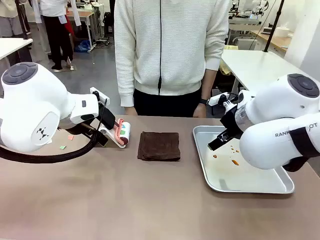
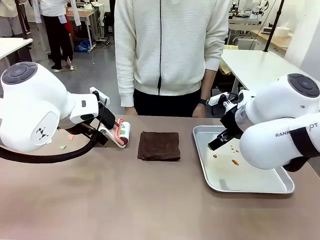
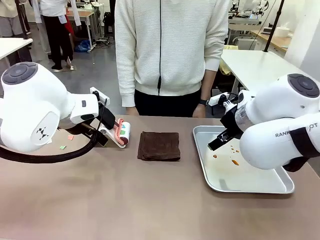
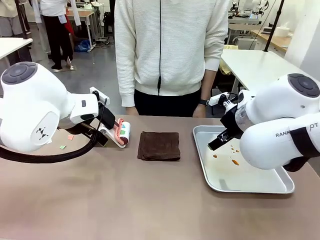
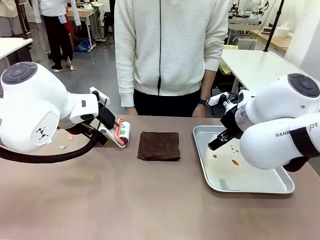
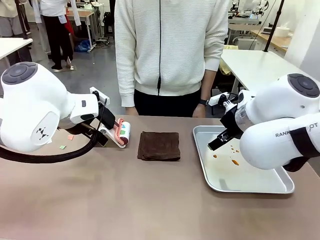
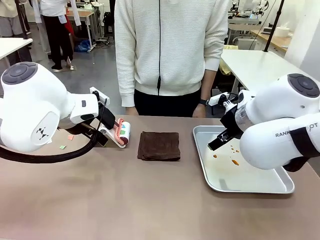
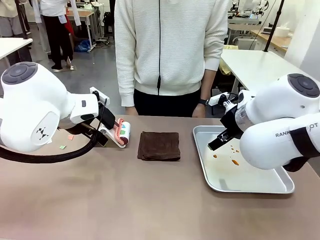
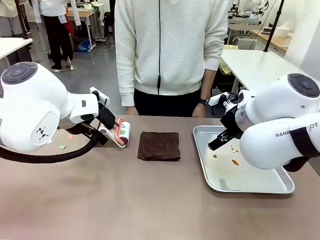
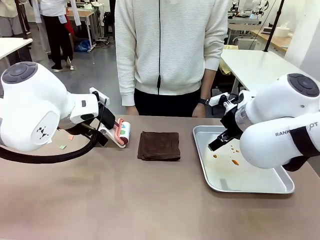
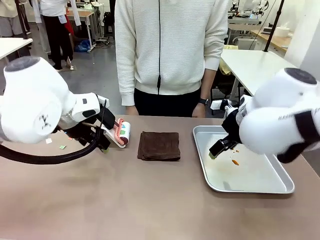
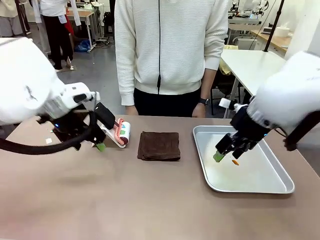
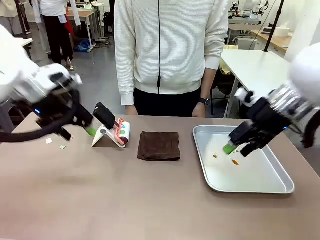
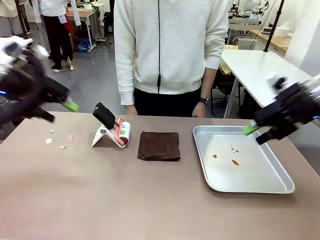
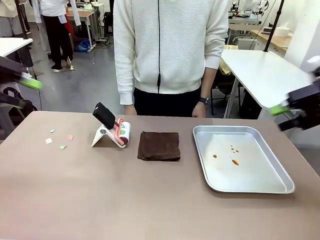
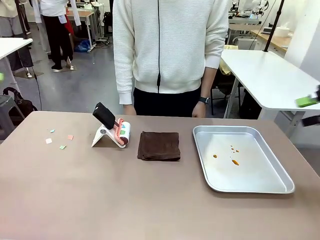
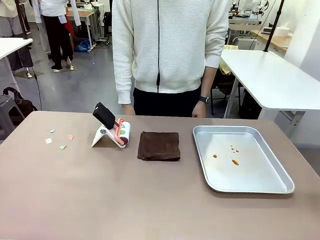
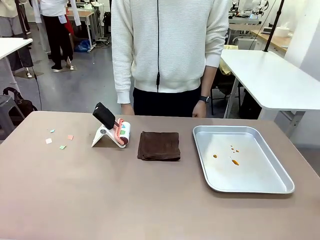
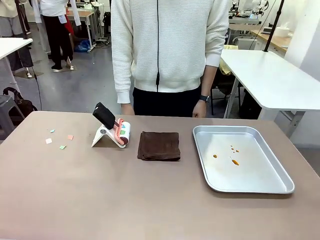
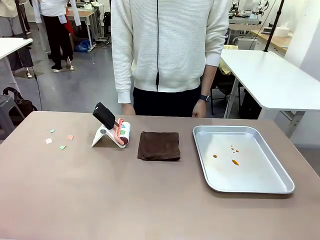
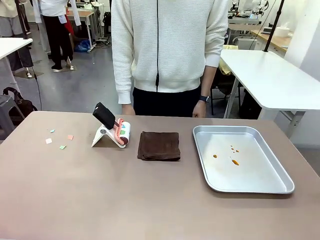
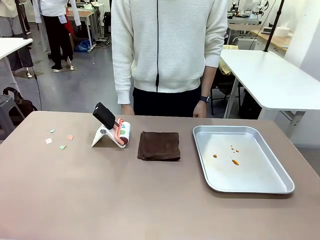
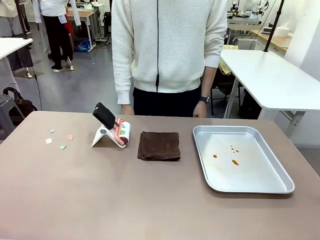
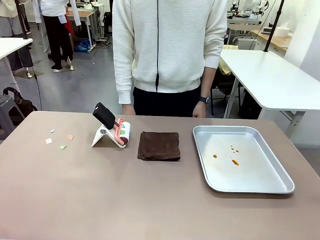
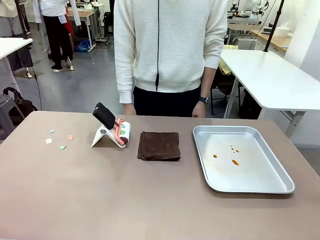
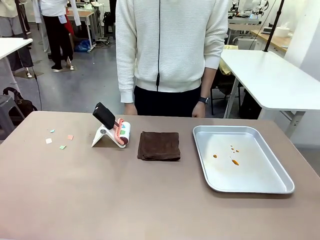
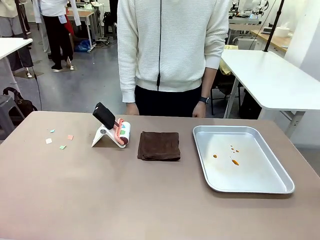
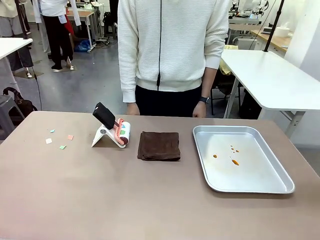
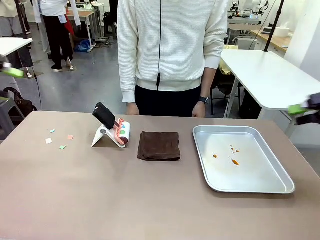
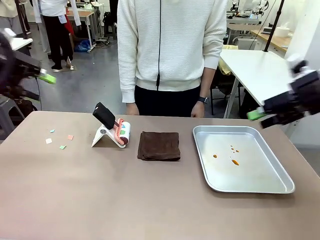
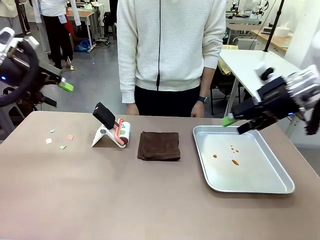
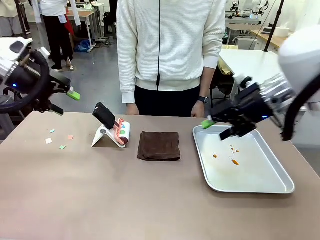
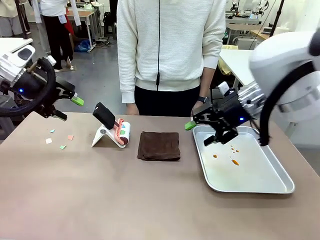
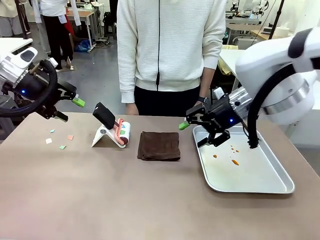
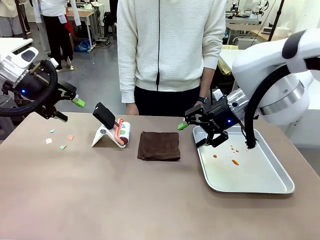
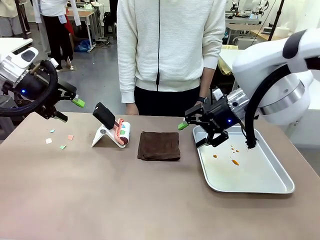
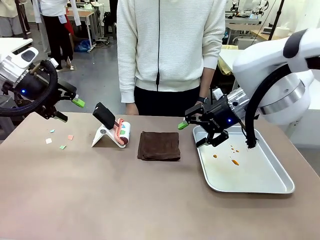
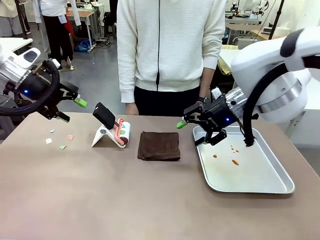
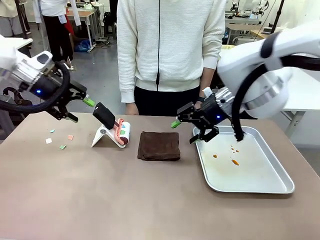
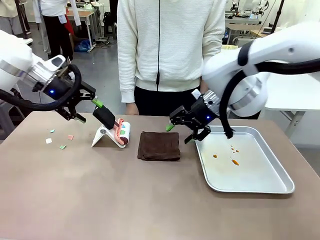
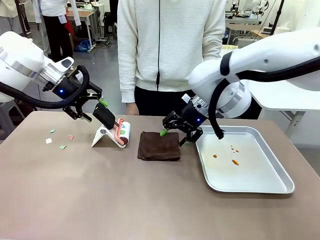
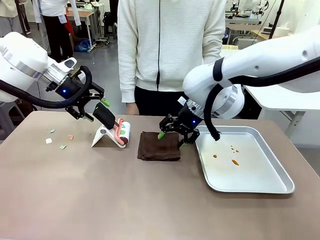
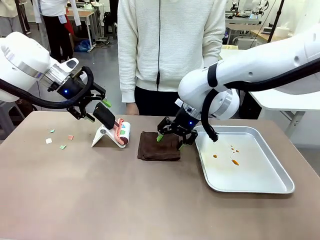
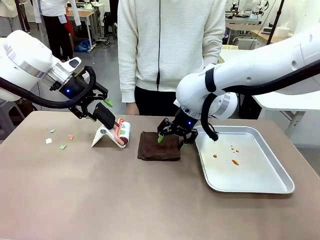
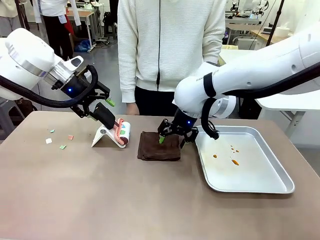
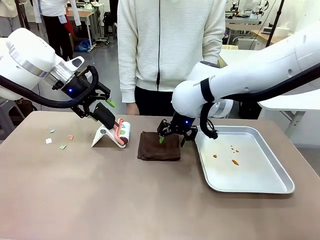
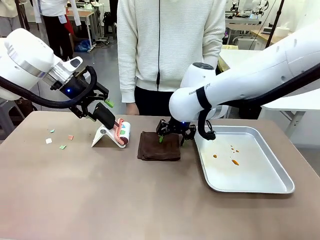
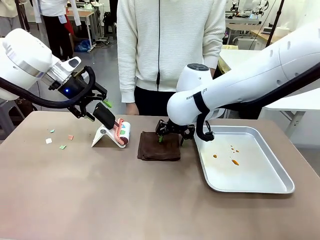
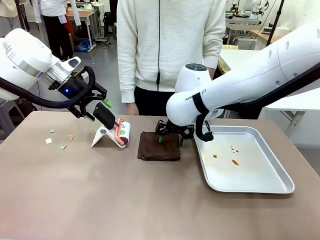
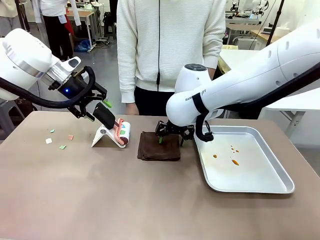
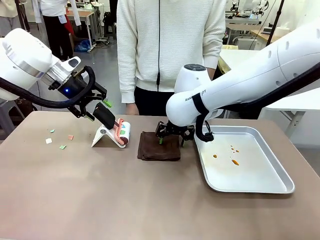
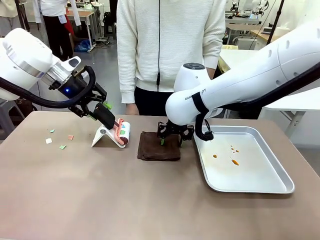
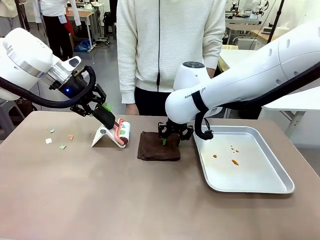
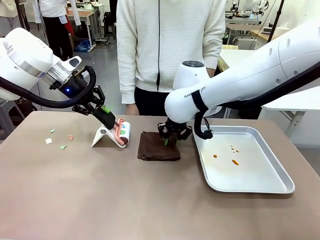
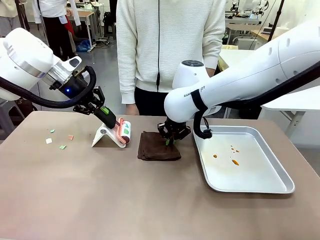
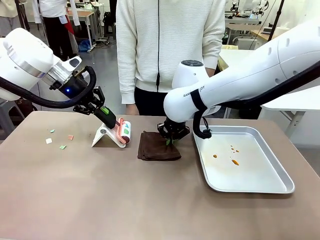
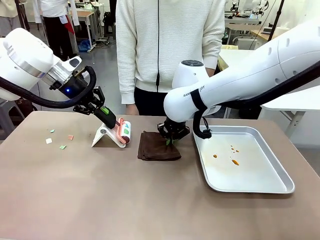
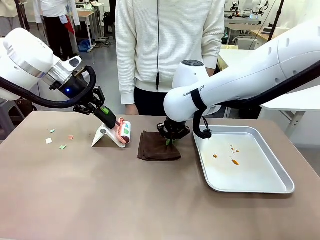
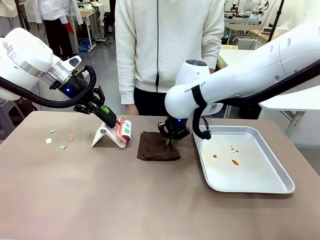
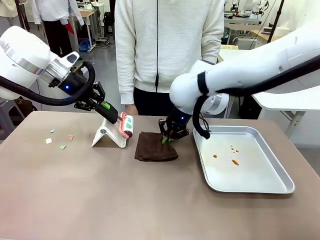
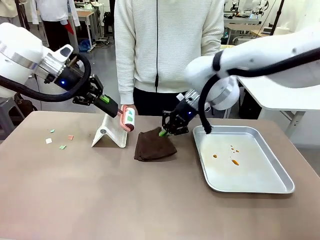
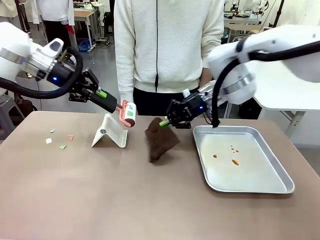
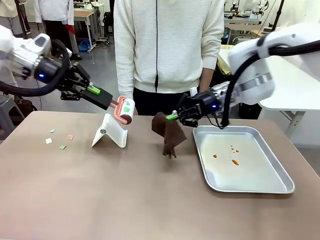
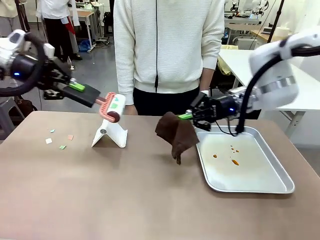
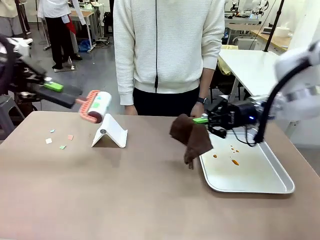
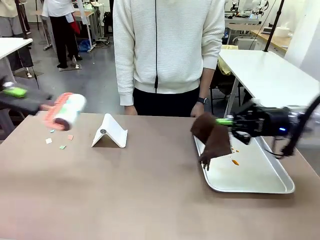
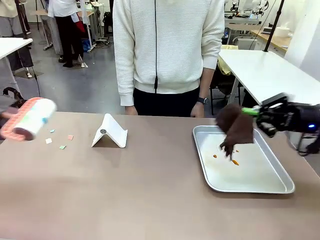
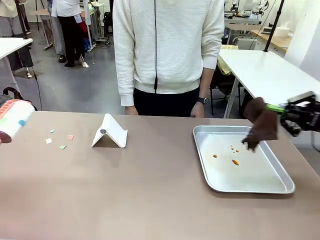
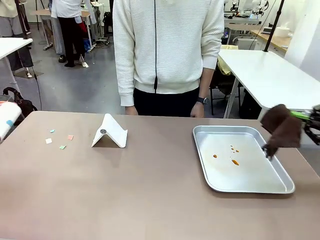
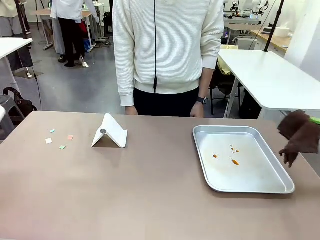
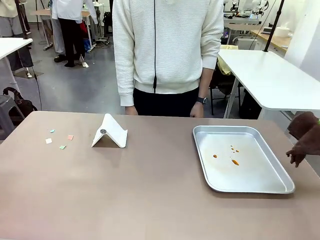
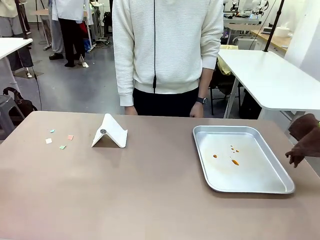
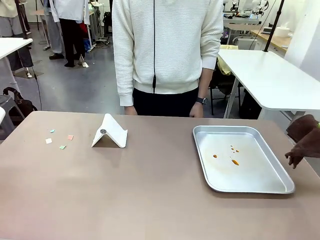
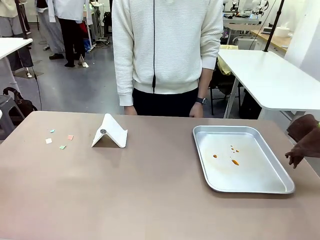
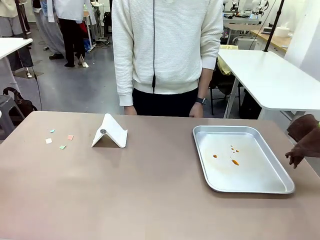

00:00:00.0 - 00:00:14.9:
Task: Clean the surface of the table.
Robot: Hold the Lint Roller with your left hand and the towel with your right hand.

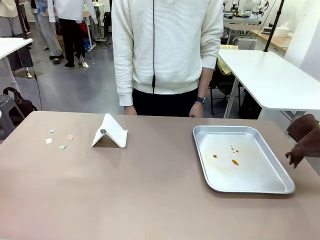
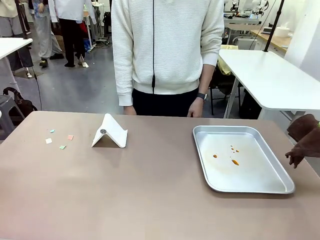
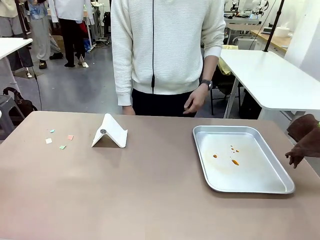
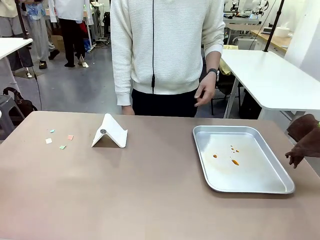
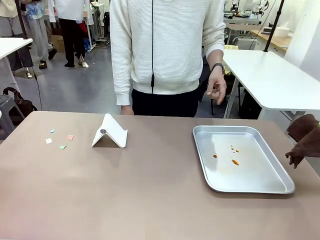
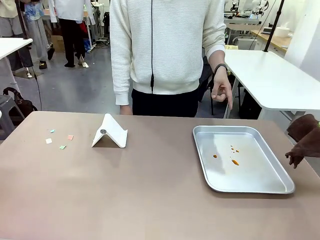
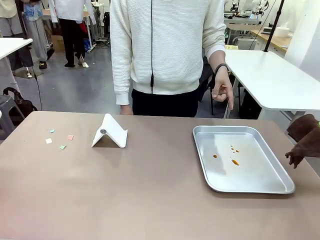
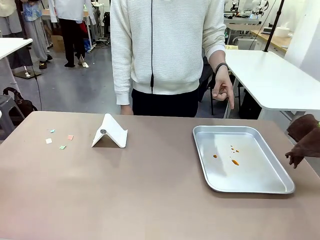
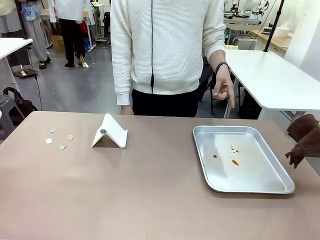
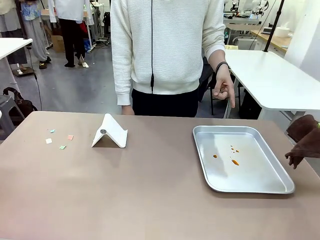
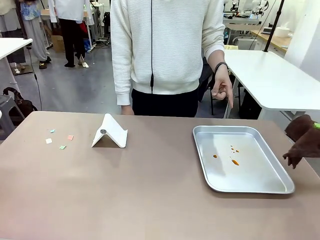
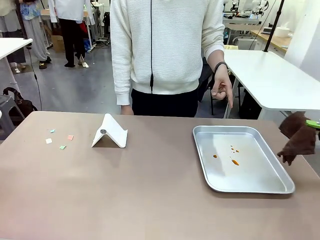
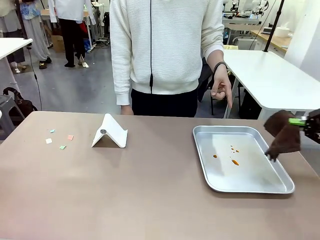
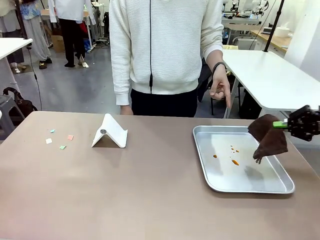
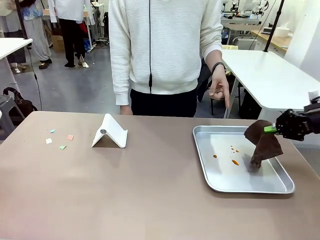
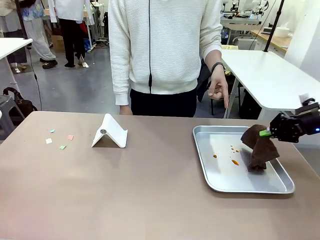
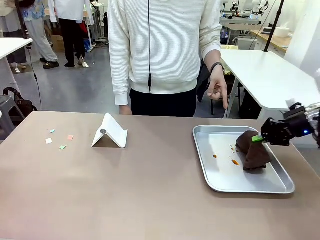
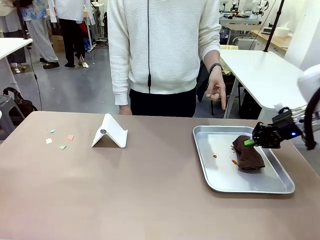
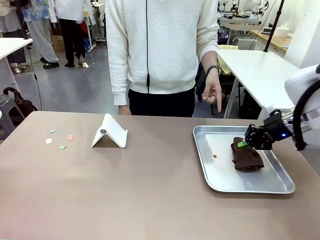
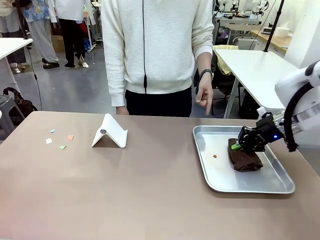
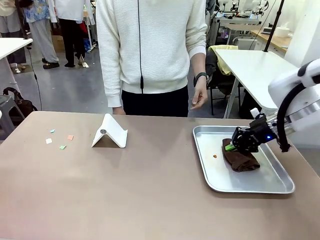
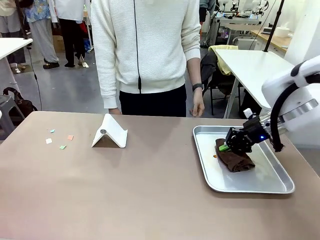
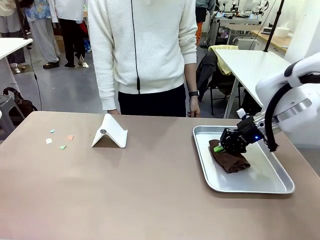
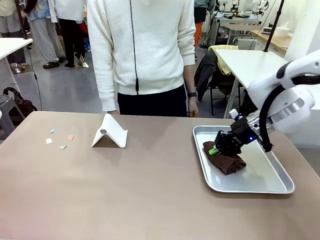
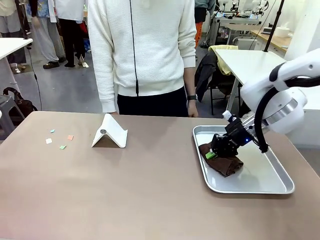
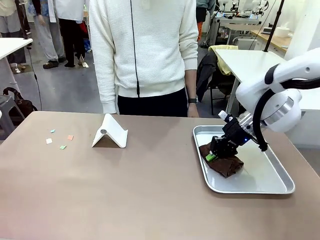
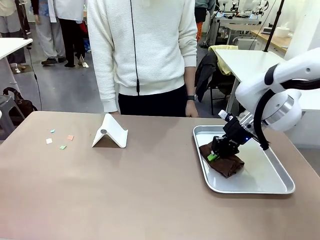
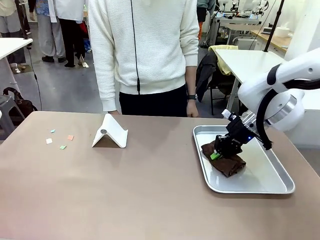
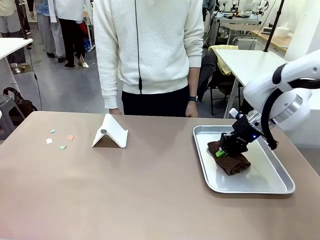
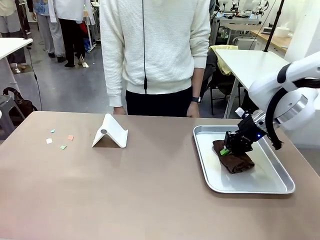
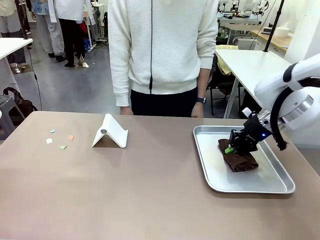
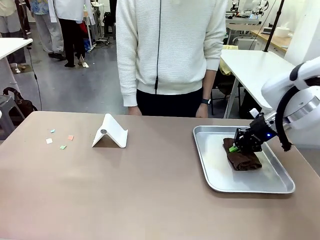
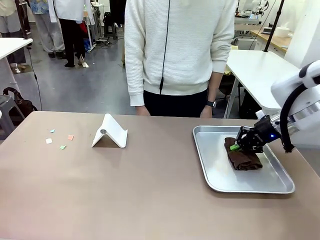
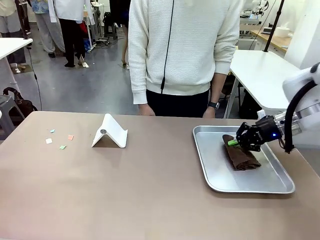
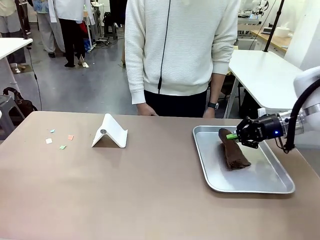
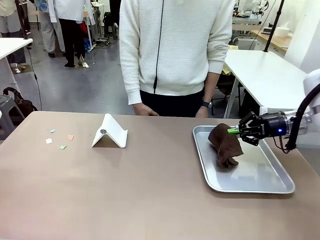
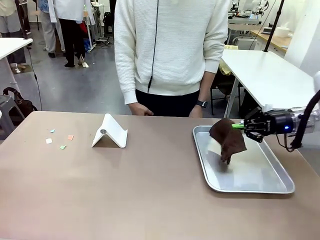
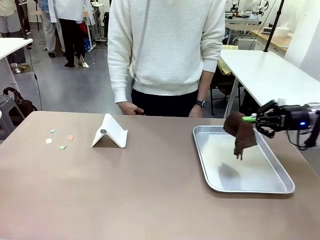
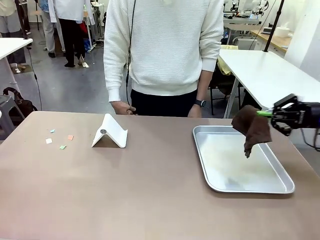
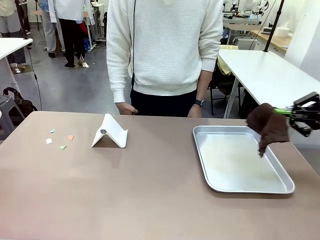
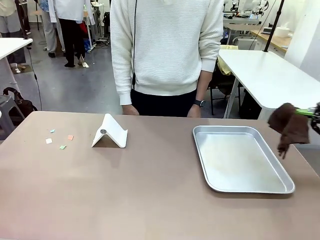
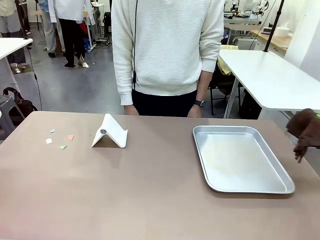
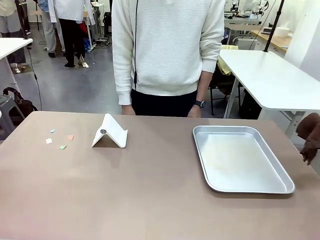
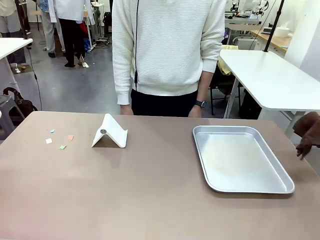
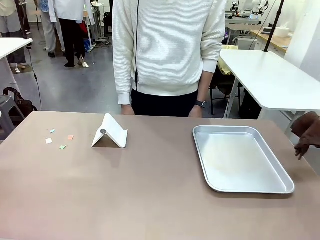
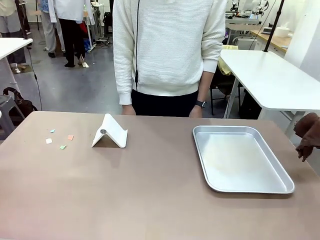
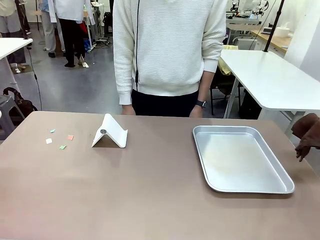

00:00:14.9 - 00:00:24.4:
Robot: If a person points to the right, clean the right side of the table with your right hand, and if they point to the left, clean the left side with your left hand.
